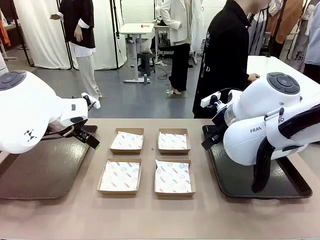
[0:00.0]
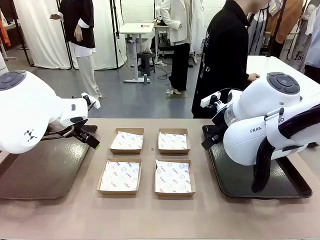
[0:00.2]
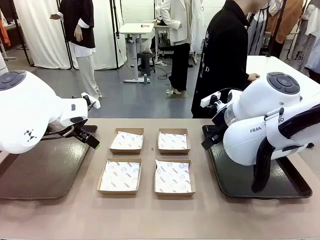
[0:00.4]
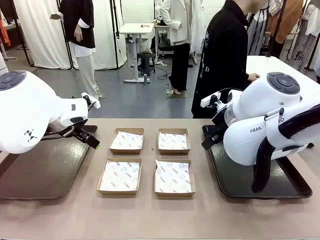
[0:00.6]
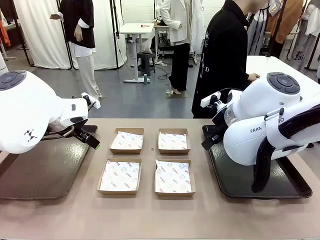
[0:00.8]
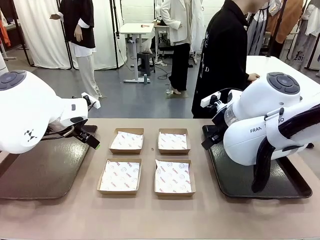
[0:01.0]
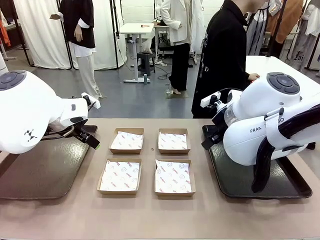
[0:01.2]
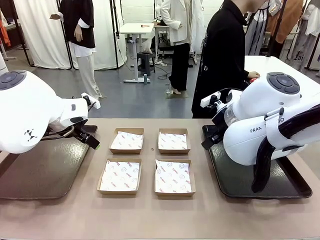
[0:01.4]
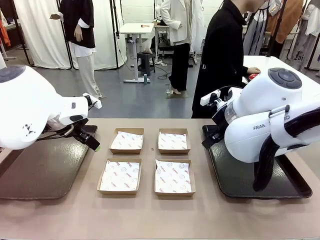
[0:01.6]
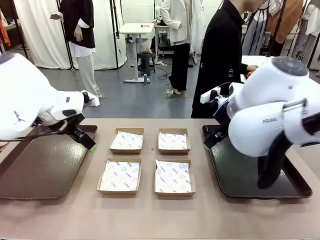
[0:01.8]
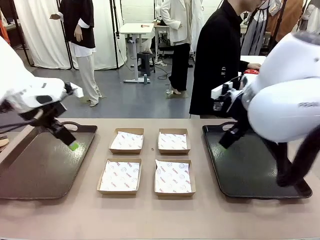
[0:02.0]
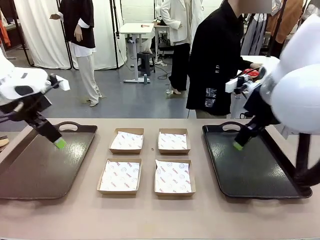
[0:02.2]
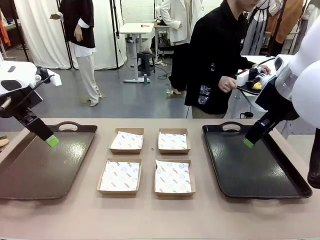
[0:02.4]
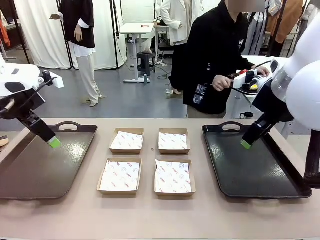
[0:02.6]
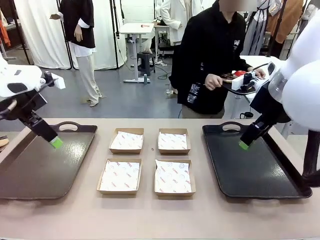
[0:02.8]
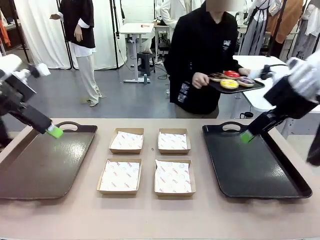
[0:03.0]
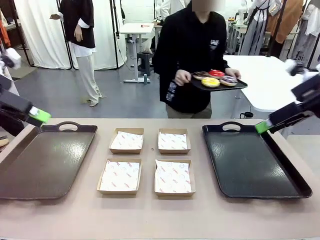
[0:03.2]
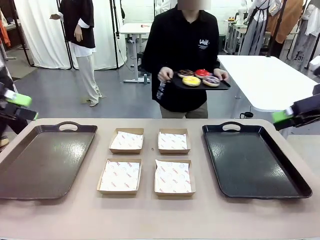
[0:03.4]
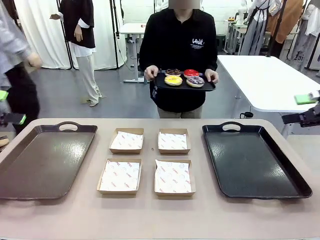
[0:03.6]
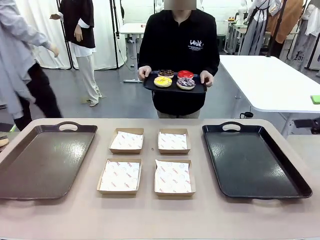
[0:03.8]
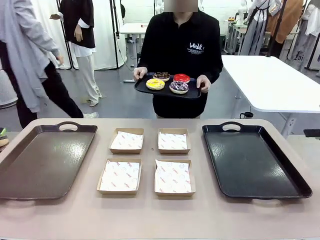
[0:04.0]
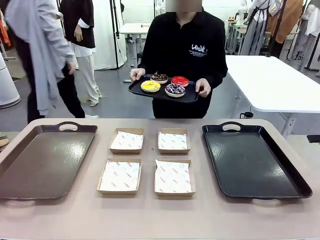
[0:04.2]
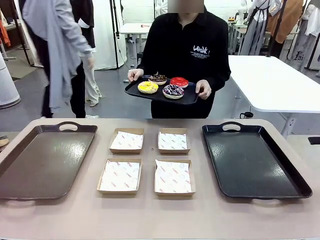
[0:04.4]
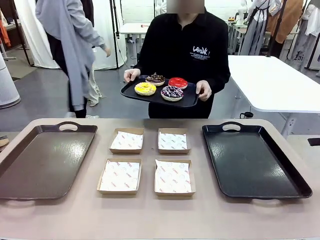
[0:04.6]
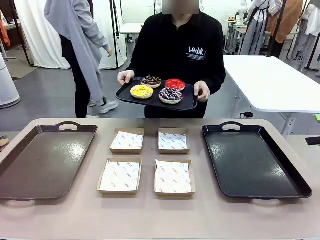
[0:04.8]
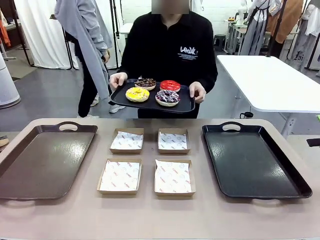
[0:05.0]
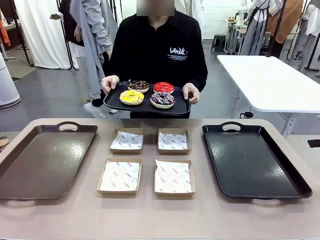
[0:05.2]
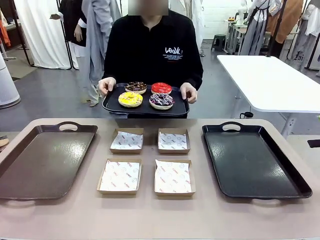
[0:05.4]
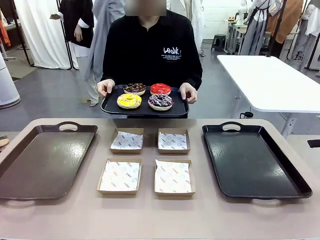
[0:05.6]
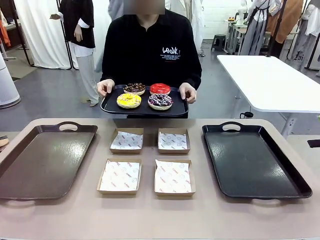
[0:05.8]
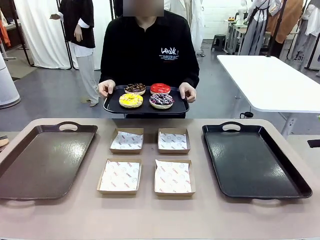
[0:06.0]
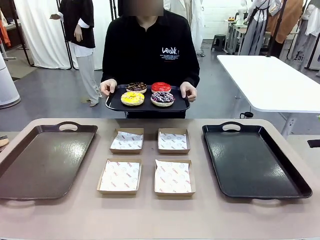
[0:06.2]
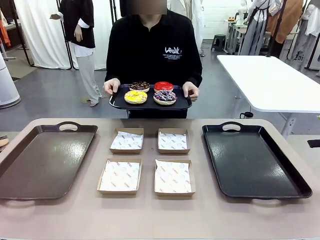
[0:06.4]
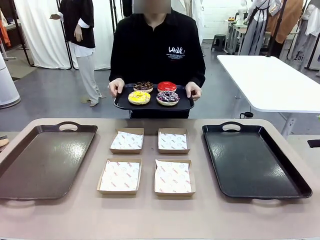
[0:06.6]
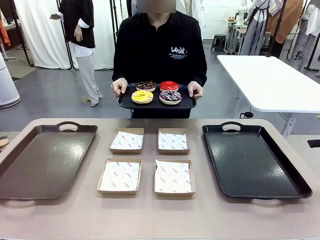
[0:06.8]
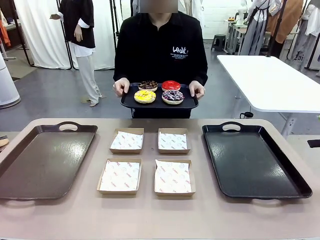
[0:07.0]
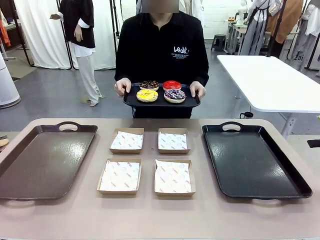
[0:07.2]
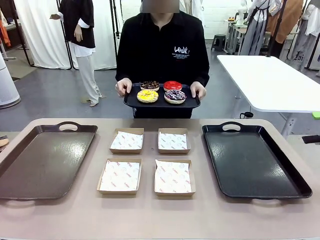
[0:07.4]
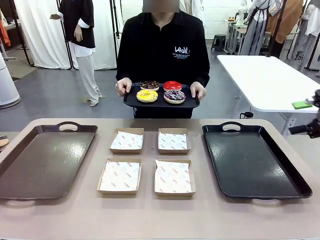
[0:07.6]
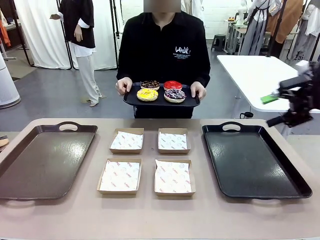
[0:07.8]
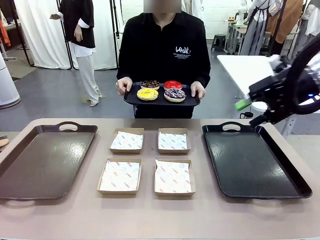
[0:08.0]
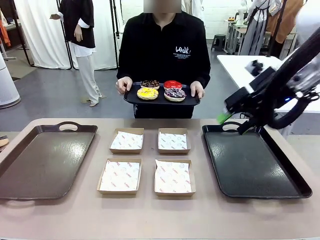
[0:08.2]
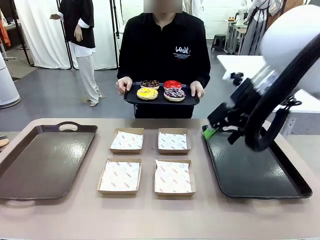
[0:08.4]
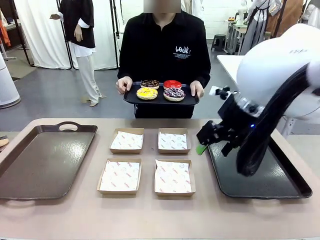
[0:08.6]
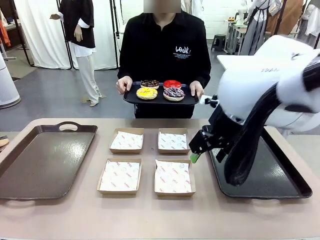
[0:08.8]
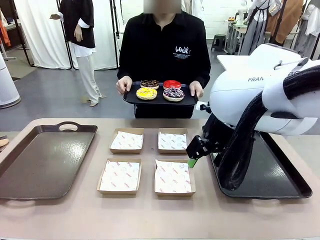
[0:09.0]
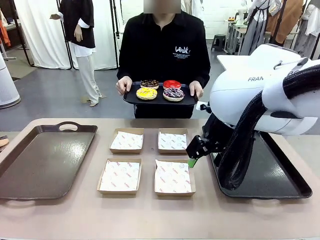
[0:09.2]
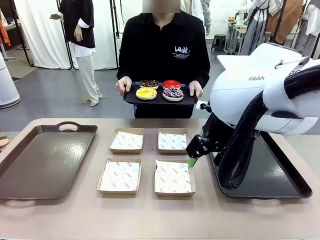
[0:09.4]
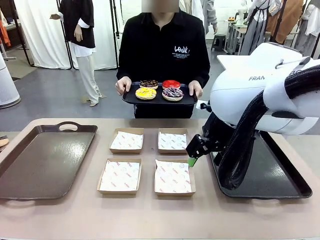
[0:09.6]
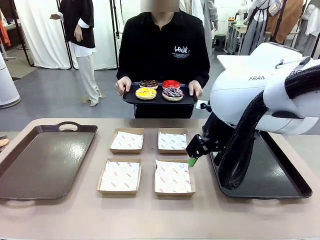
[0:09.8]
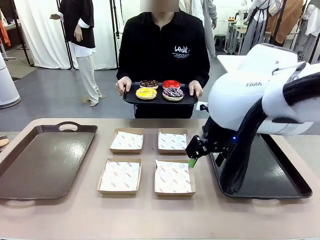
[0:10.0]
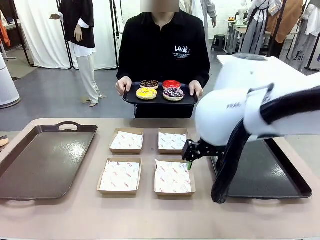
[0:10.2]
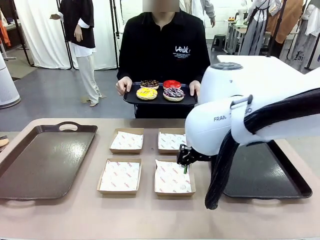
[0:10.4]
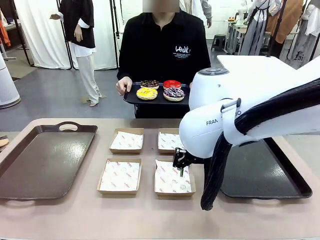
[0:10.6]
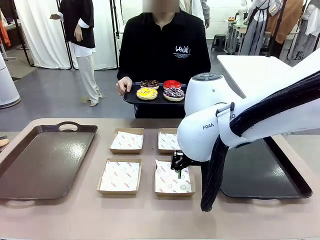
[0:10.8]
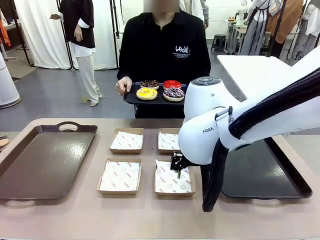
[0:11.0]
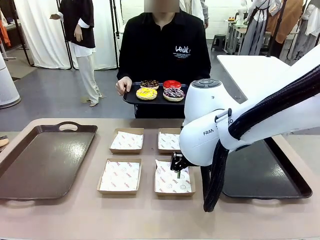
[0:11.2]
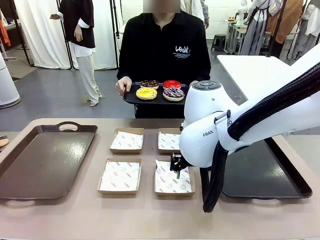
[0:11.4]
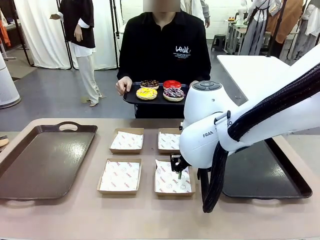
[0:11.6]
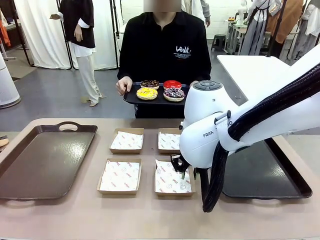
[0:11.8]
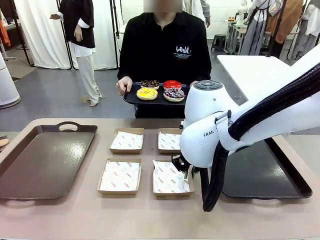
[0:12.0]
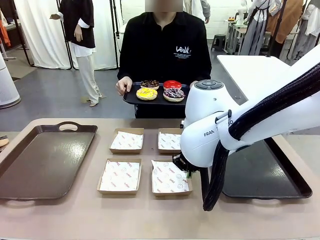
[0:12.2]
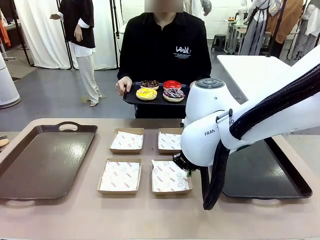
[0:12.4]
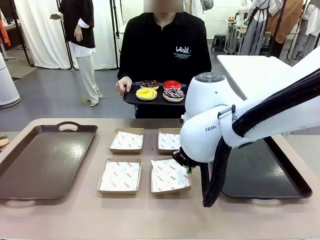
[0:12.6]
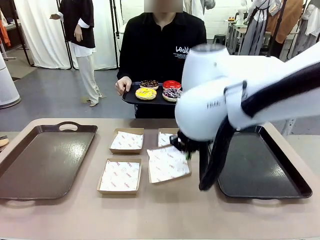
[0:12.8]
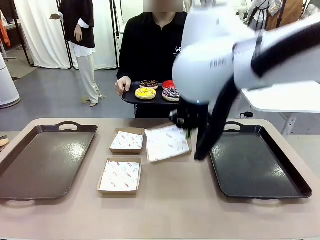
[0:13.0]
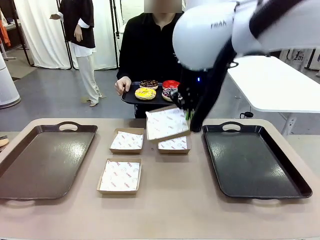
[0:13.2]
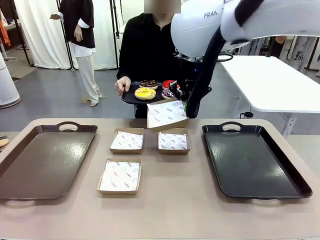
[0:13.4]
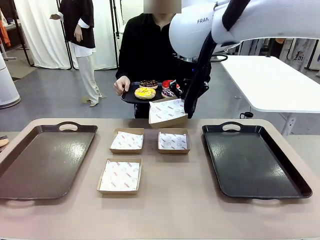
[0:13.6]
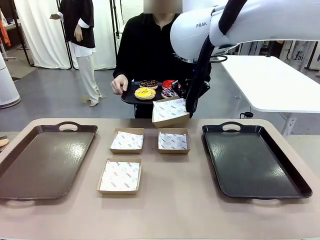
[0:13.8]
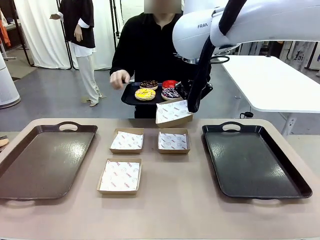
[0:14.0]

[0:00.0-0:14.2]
Task: Individually package the donuts and arrange them on the tray.
Robot: Pick up one Paper togo box.
Person: Stand in front of the robot table holding the tray containing the donuts.
